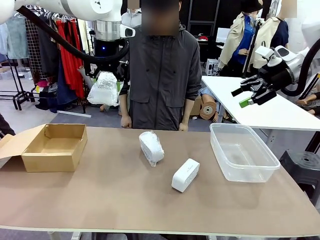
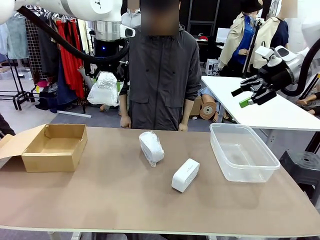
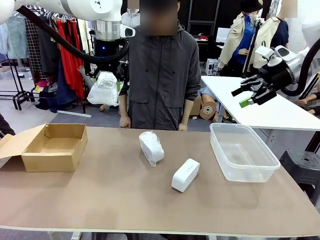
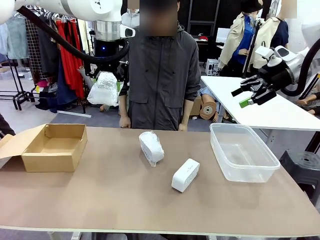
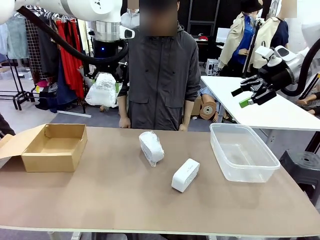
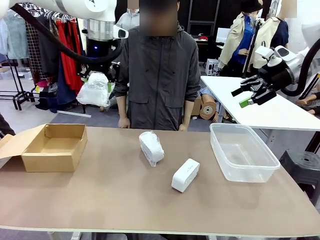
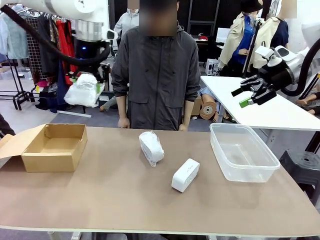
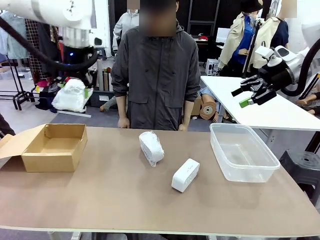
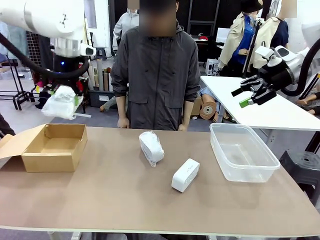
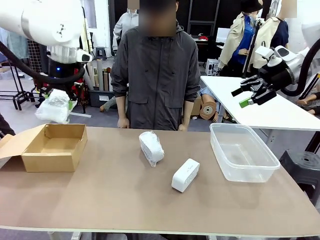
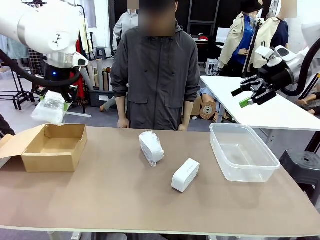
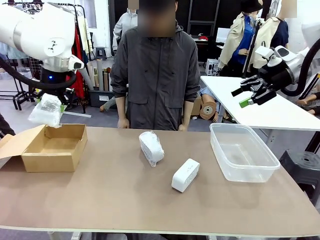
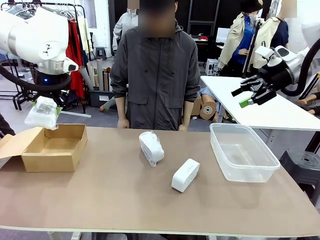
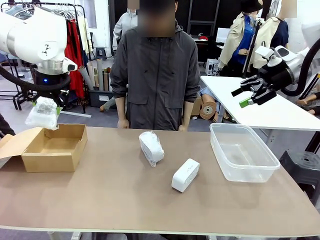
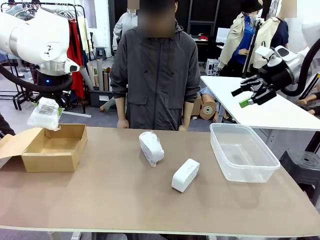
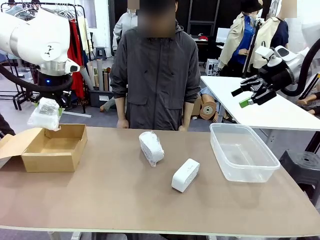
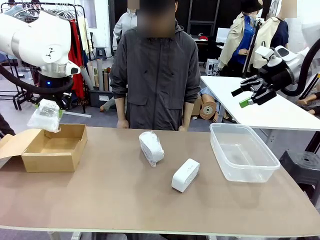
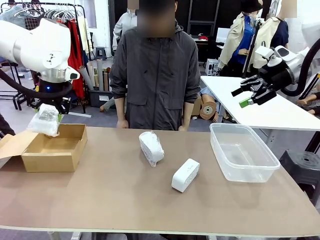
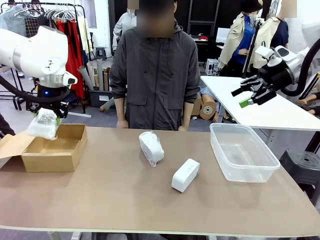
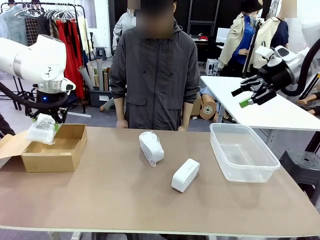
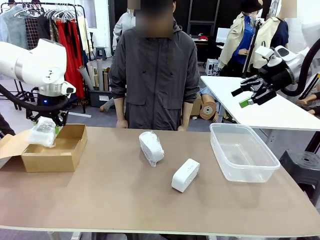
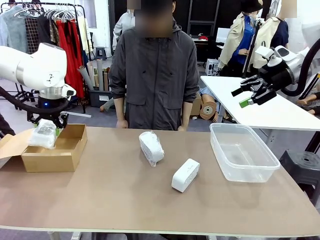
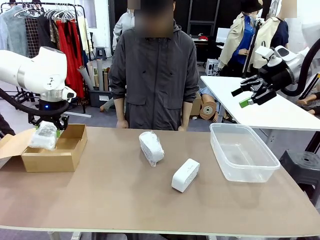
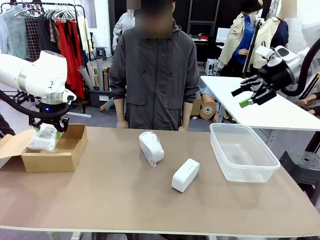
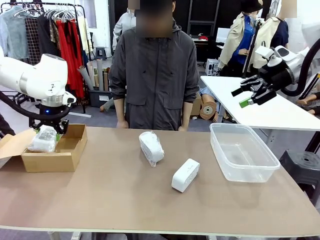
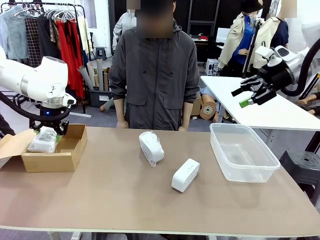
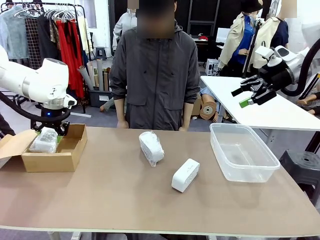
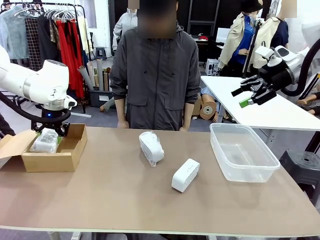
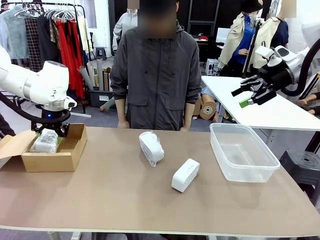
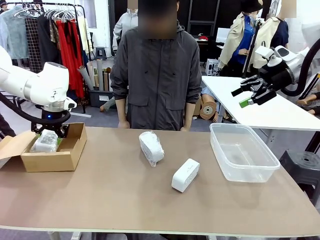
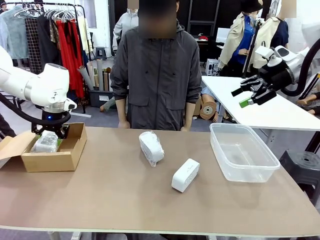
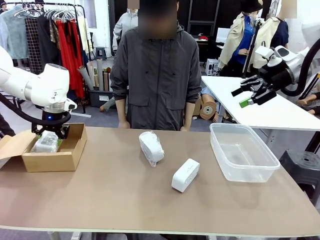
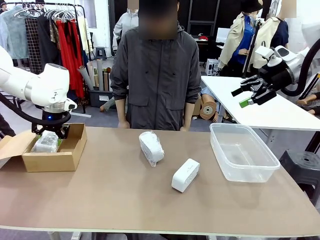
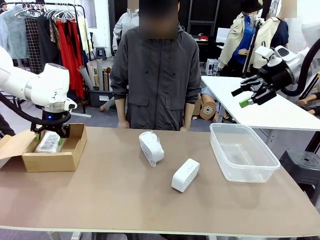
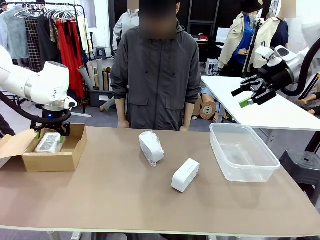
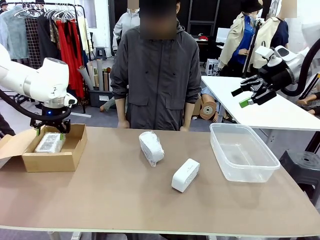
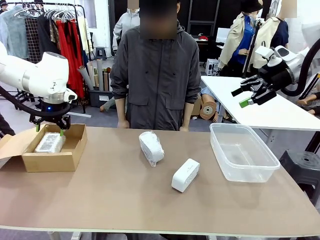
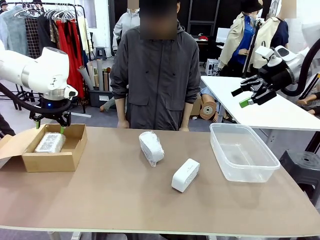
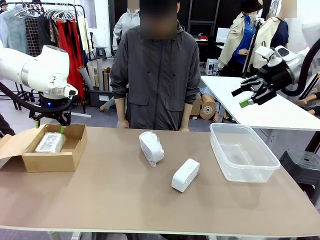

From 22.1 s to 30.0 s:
Task: Separate and place wrapped and unwrapped clocks.
Robot: If the picked Digital clock is wrapped, place it in the Package Box ; if not, place it in the Organizing box.

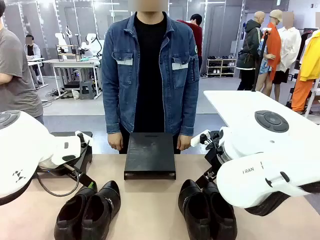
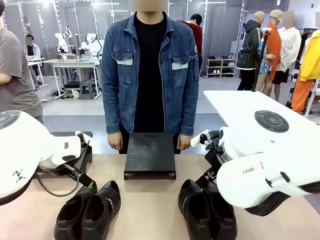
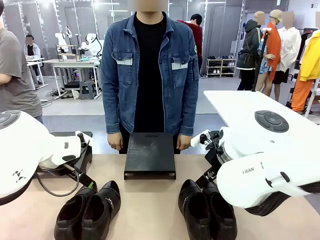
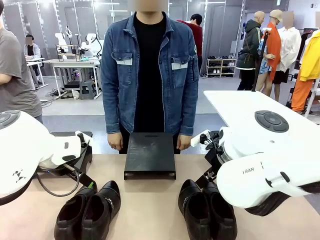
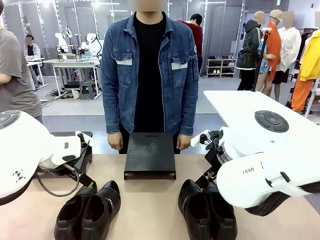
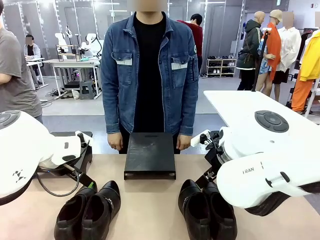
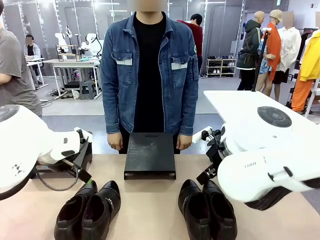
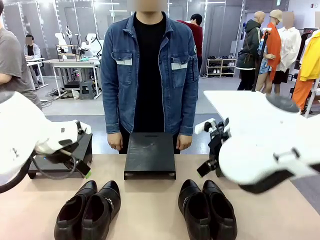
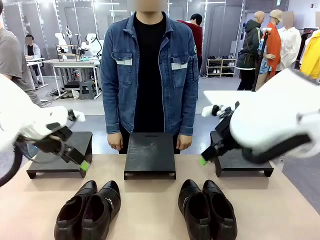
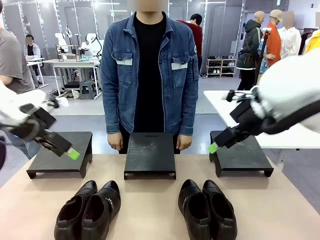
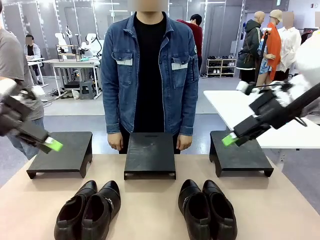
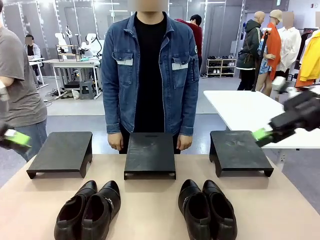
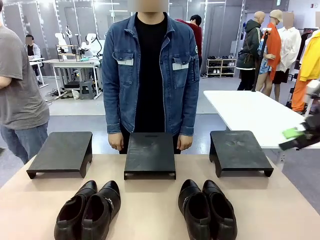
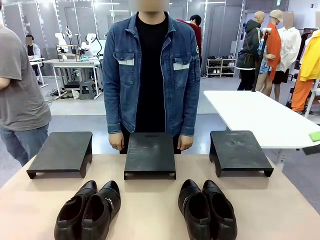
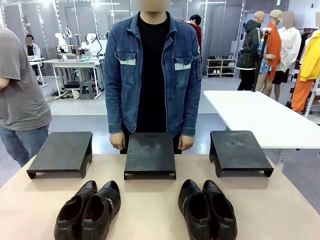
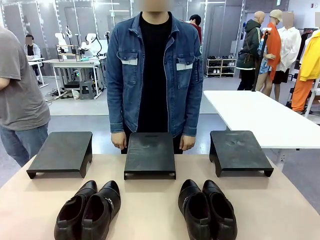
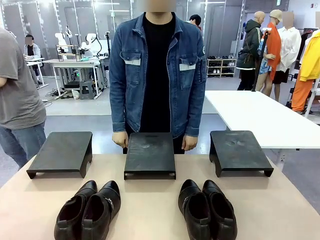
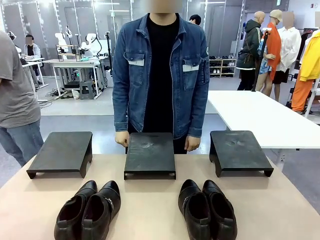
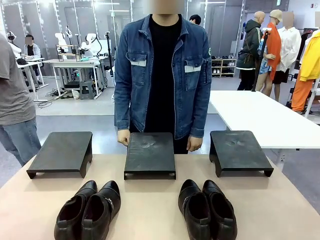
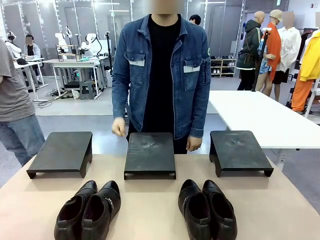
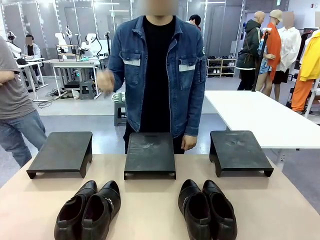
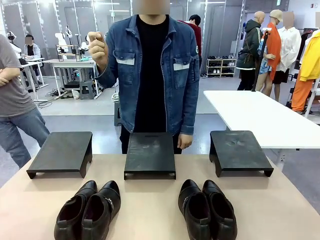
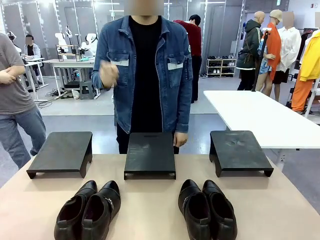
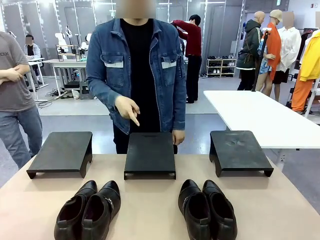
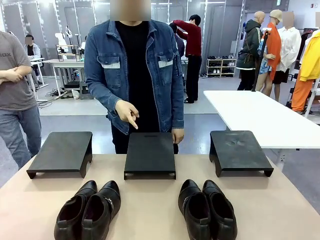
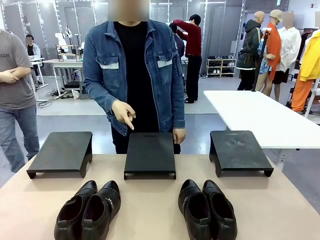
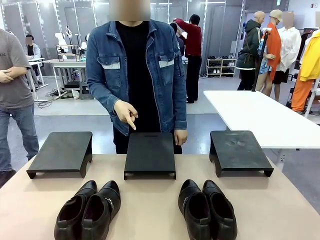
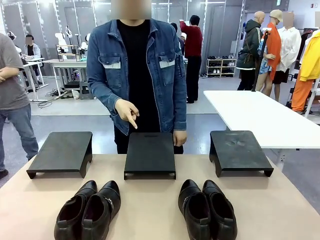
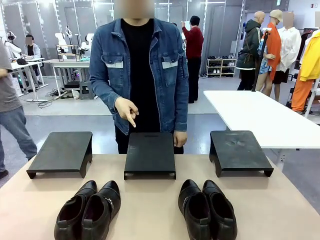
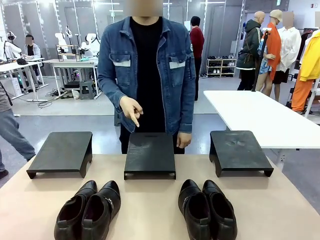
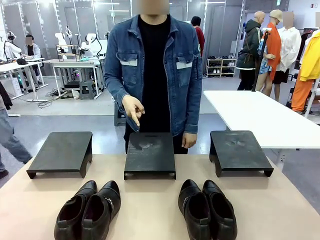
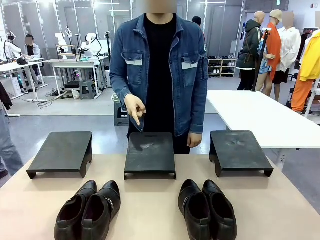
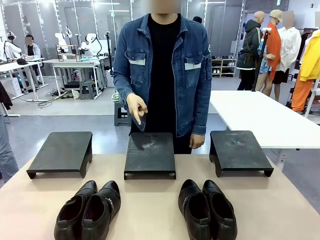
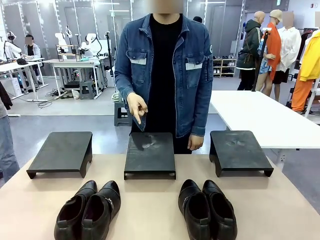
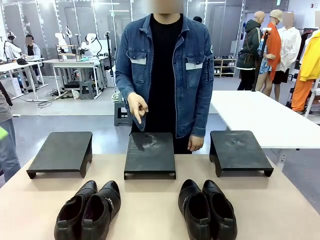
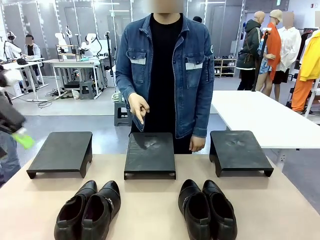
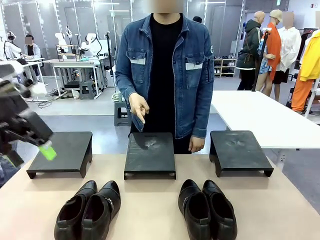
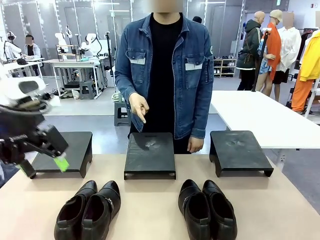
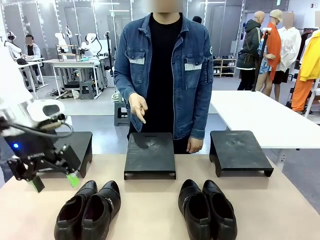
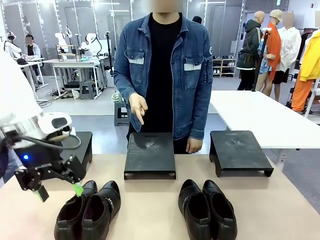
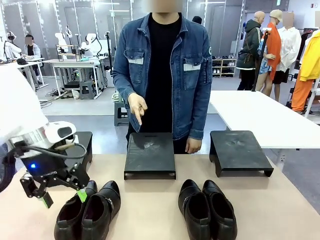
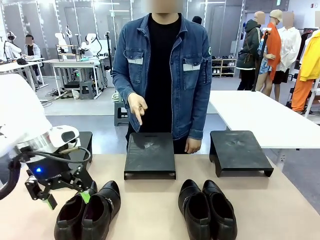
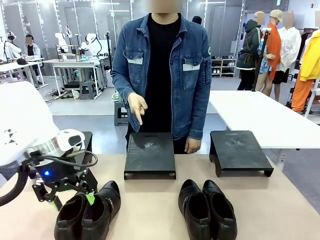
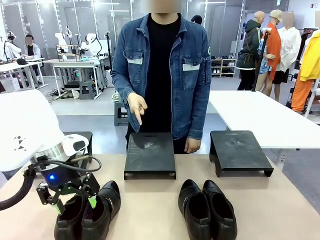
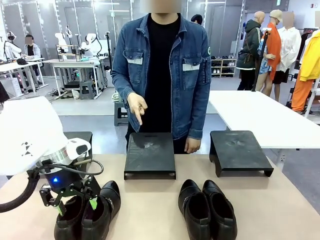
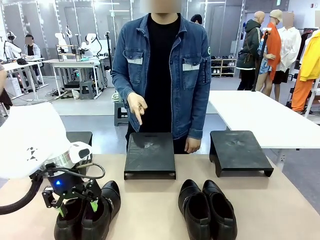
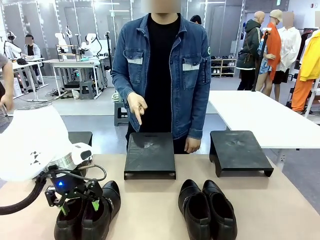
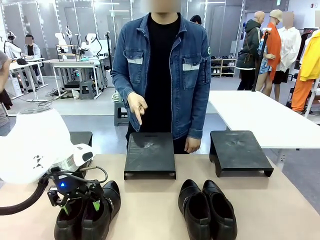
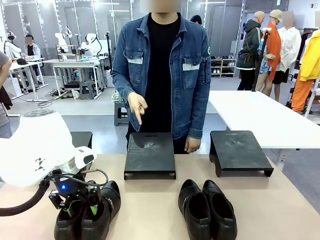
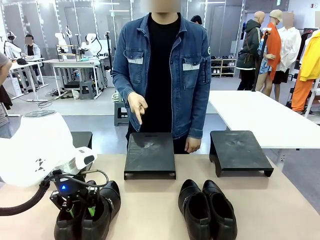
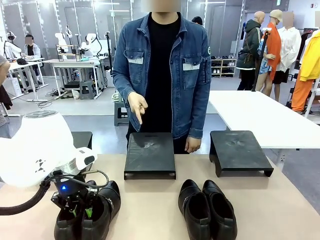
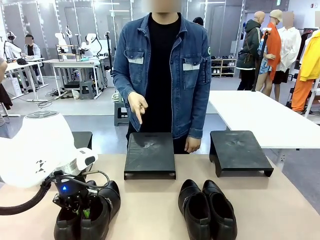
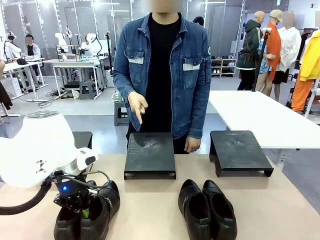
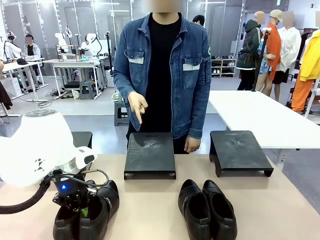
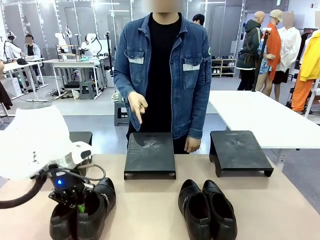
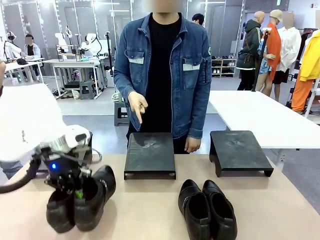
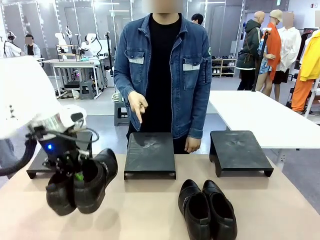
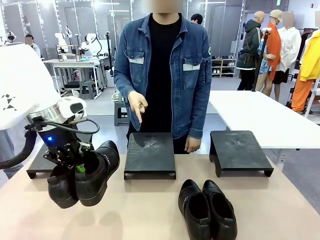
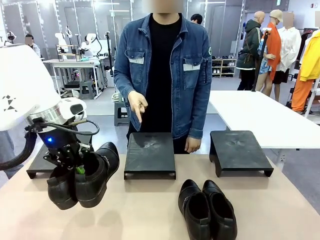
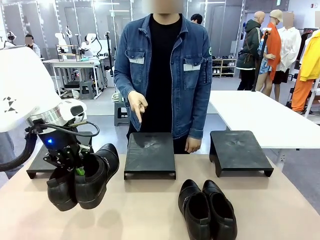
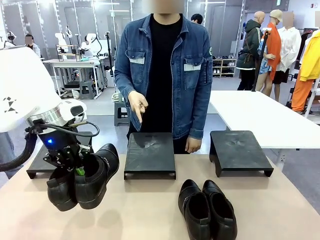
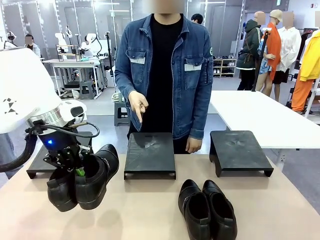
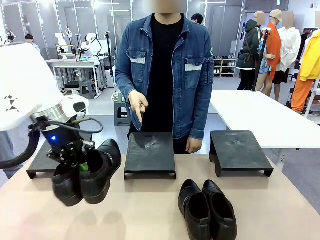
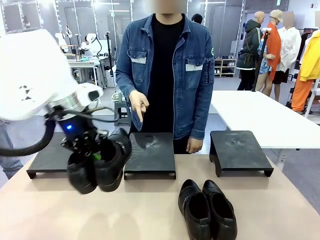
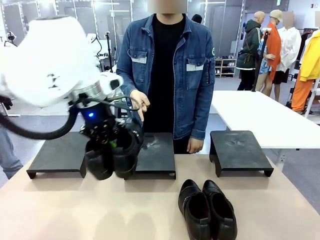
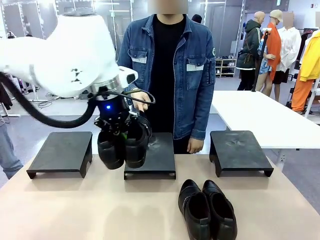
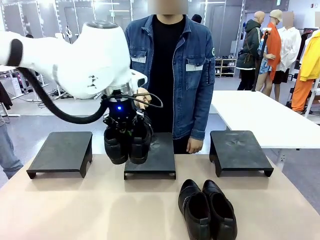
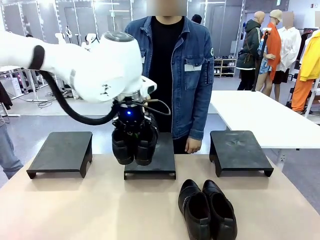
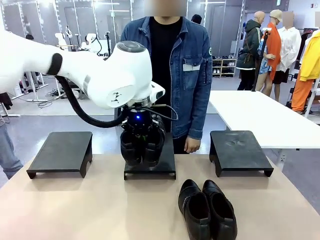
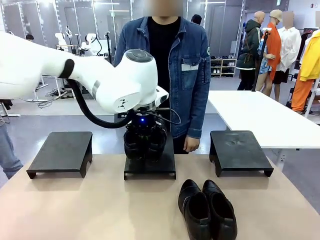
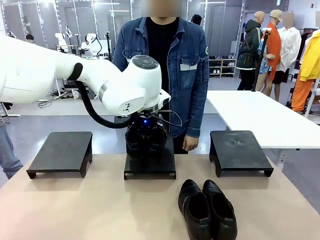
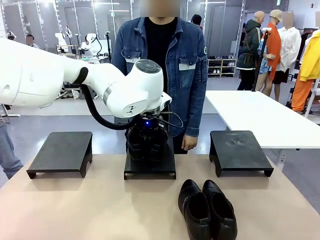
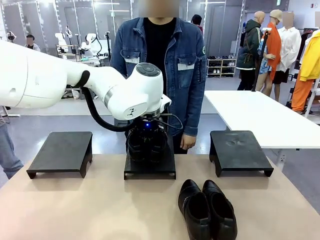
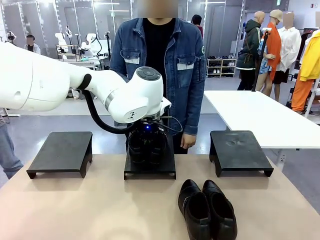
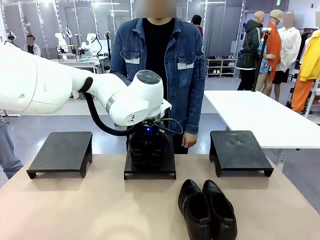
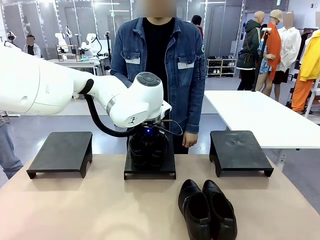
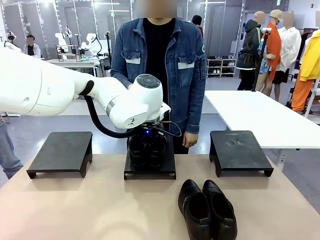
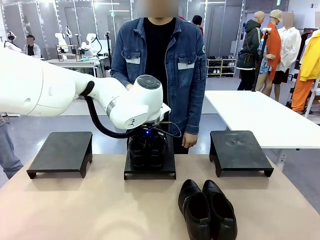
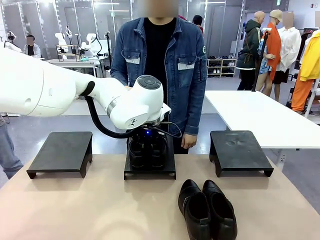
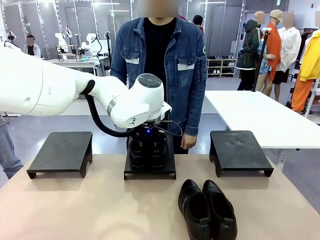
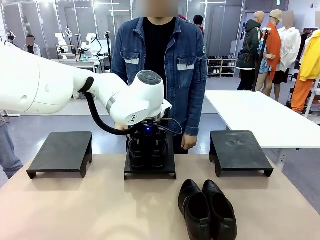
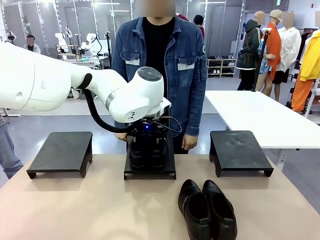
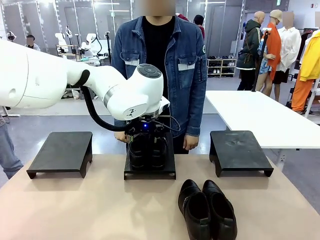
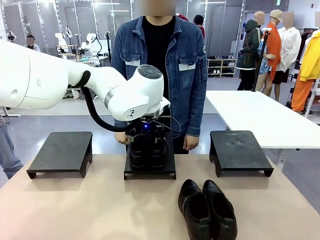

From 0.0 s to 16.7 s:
Task: Place the shoes on the stand as instructed by the person.
Robot: Pick up one pair of Shoes and place it on the Shoes Stand indicated by the person.
